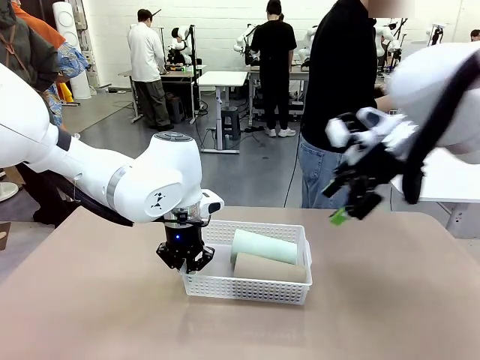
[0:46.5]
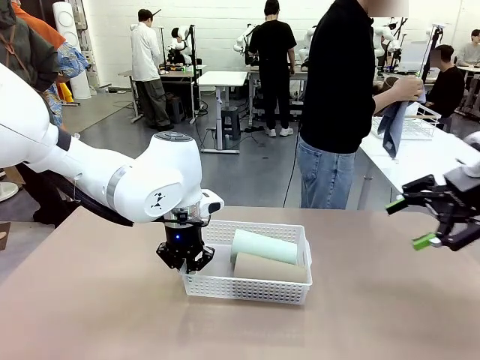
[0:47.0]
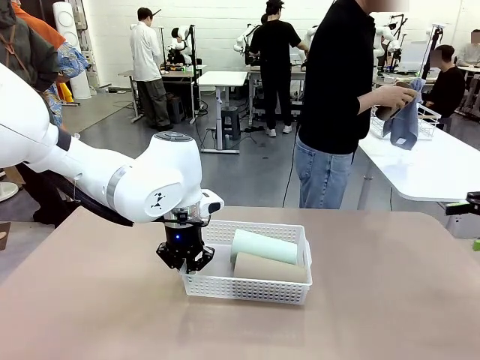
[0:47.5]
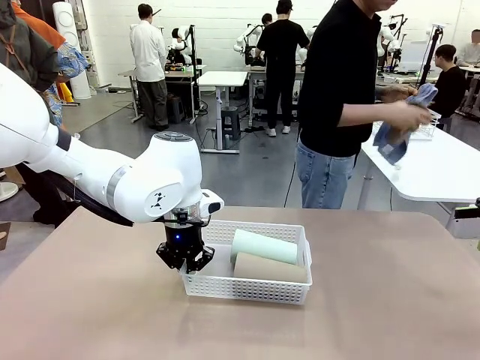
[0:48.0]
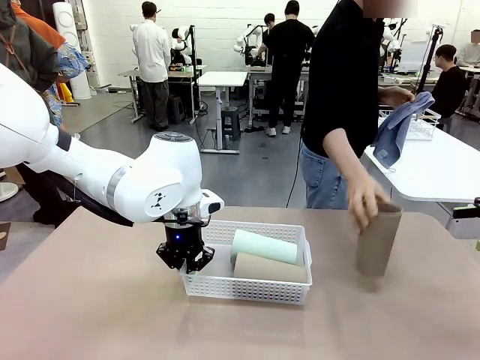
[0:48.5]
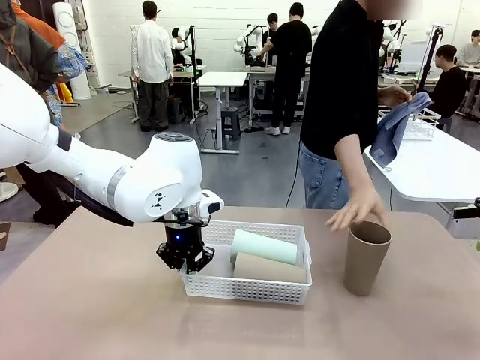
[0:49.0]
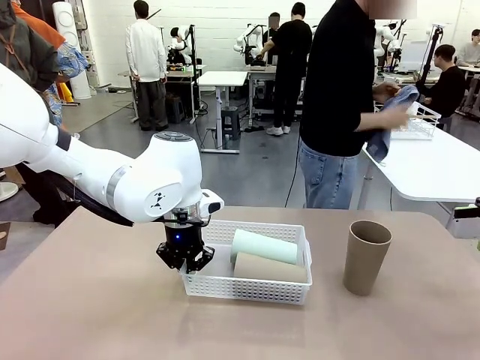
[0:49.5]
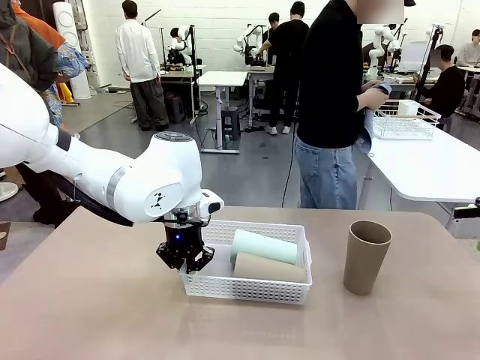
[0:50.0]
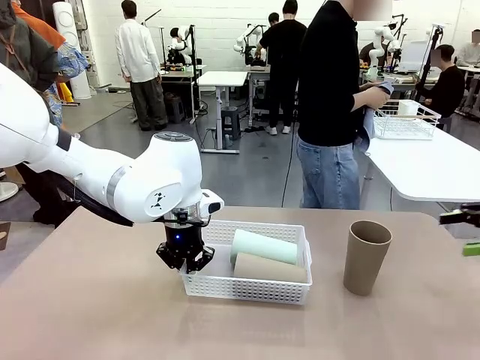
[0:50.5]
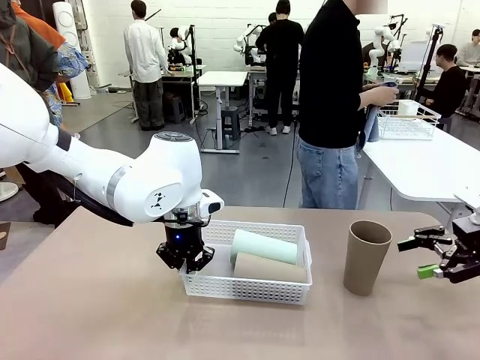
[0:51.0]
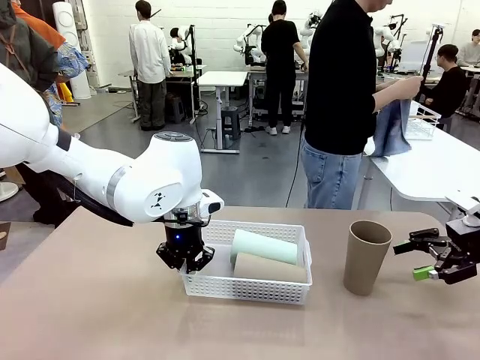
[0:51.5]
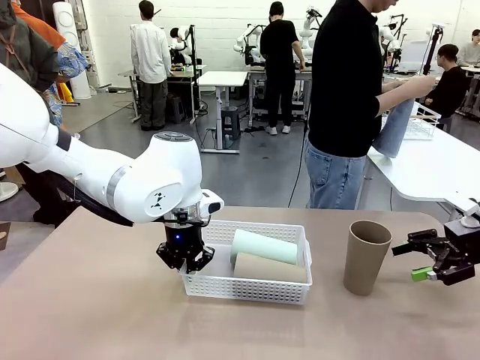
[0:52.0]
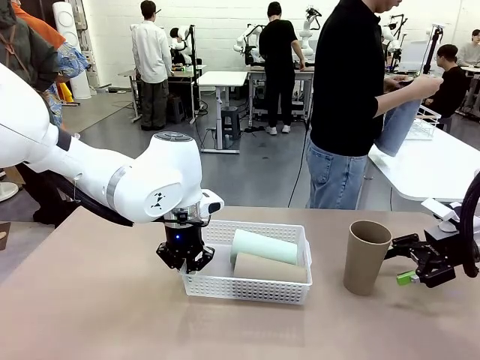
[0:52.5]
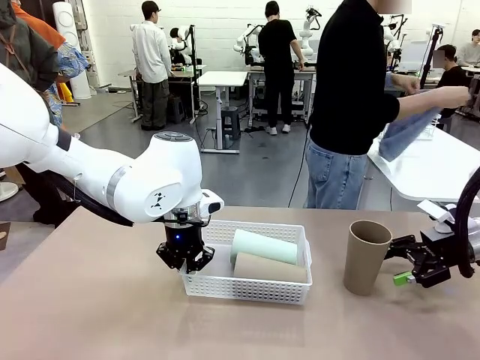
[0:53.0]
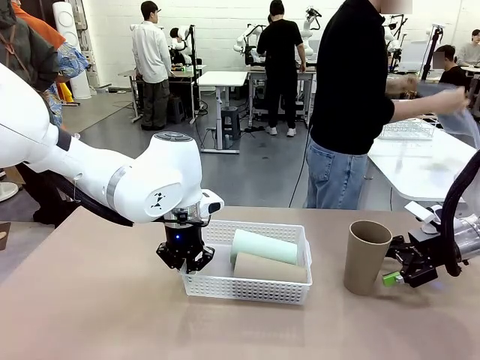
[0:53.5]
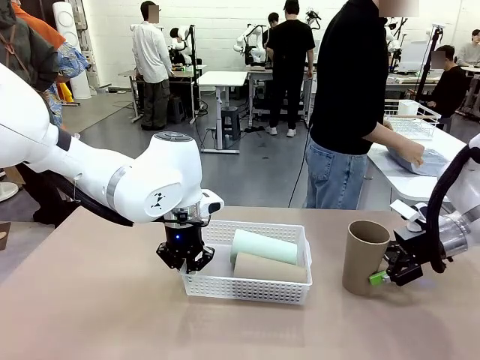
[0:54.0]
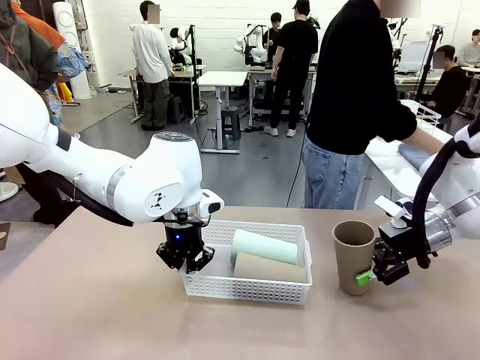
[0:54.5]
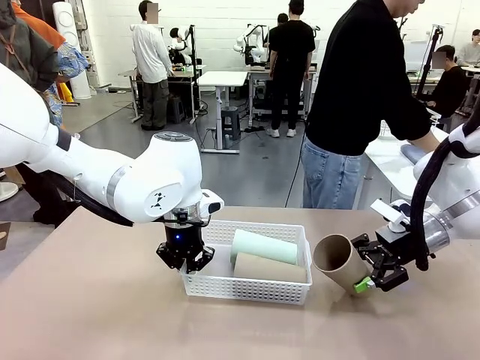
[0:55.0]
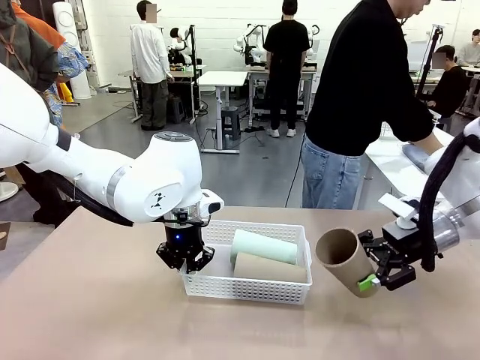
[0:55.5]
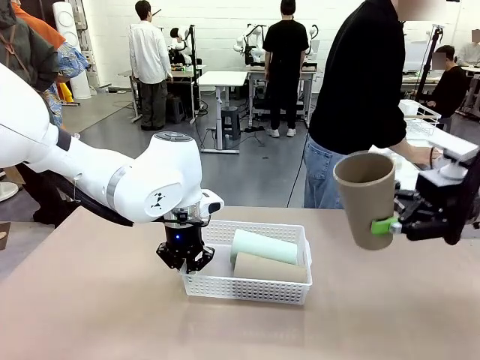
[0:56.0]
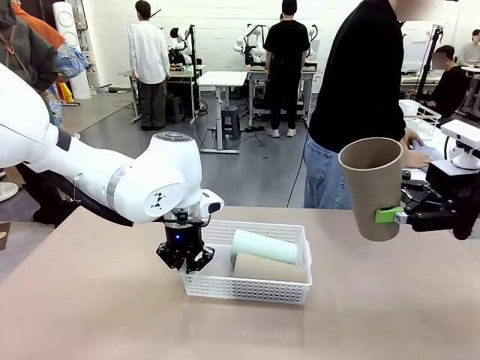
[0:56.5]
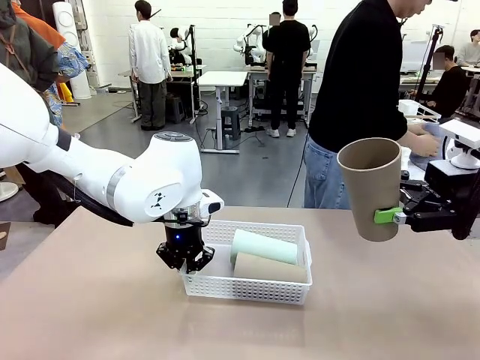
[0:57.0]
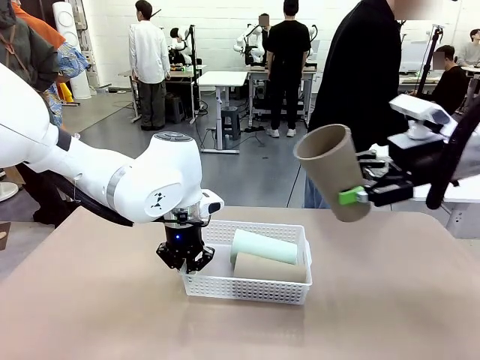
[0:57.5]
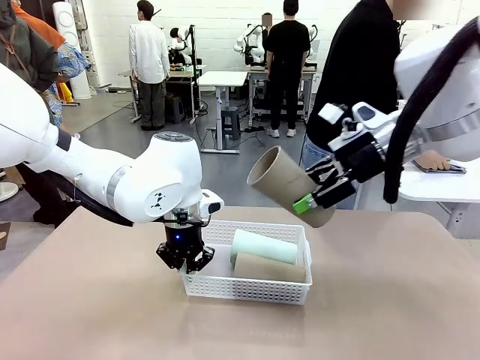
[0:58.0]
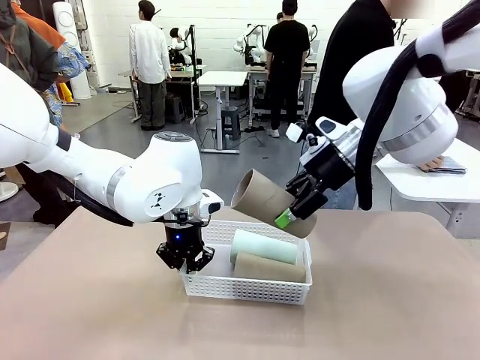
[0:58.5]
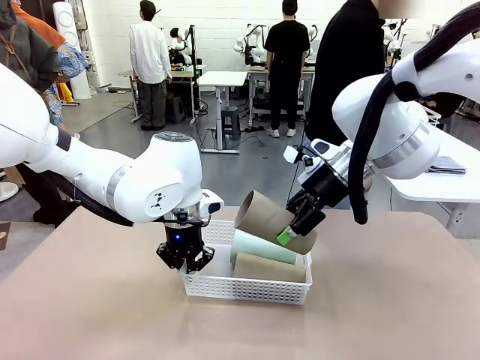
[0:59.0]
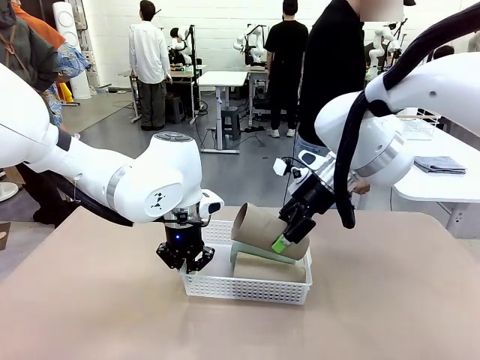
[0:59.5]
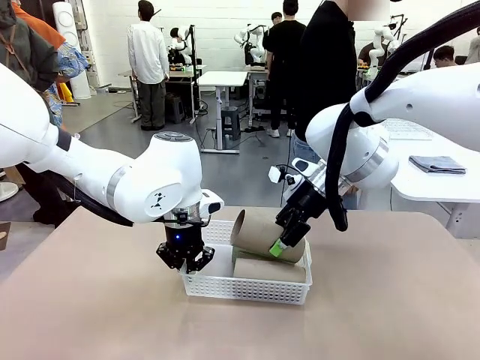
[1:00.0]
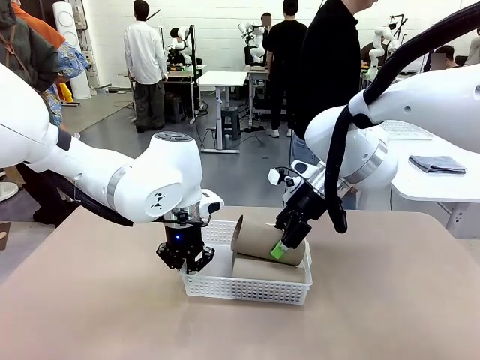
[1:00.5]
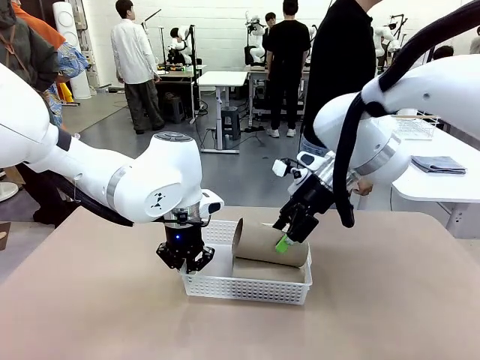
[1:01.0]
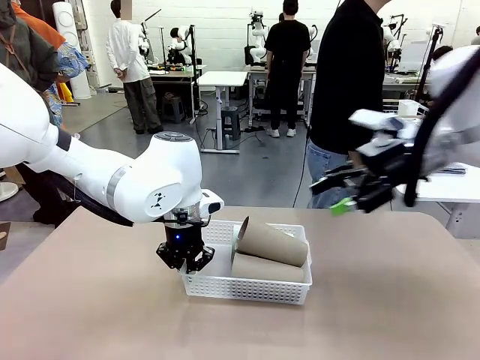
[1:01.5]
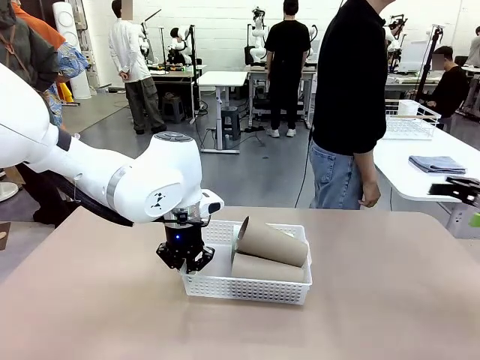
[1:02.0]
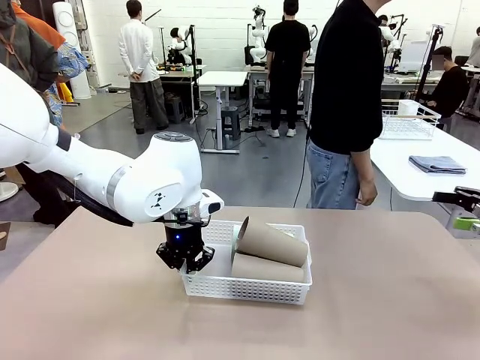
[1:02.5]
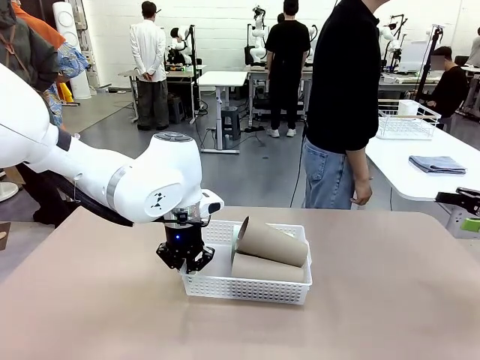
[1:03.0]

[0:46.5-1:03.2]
Task: Clean and organize the cups into the basket.
Robot: Pick up the Reusable plastic cup from the right side of the table and stack it inside the Organizing basket in the center of the table.

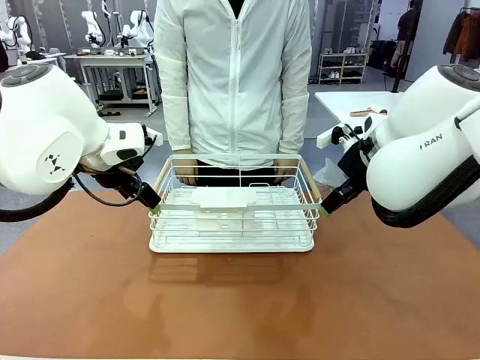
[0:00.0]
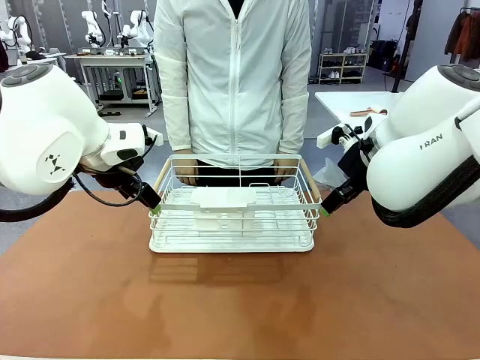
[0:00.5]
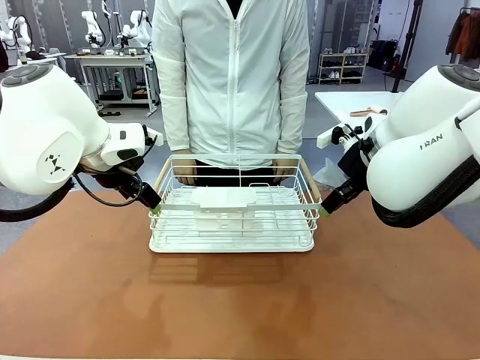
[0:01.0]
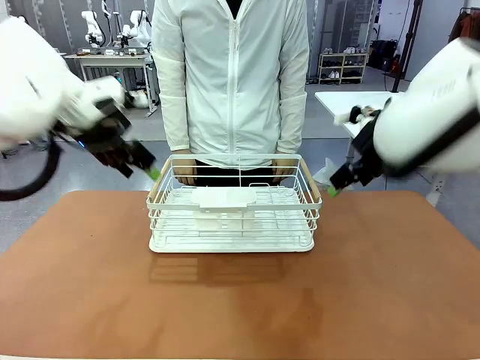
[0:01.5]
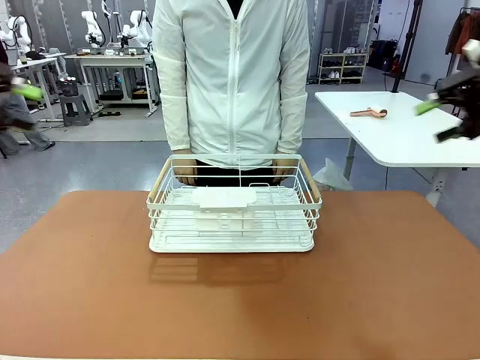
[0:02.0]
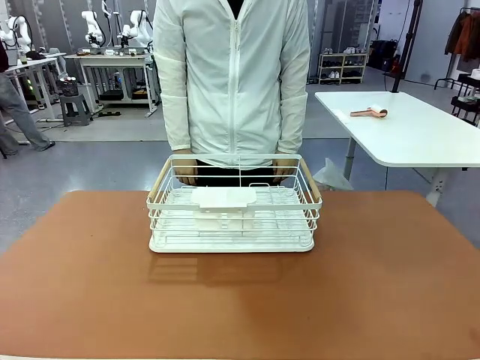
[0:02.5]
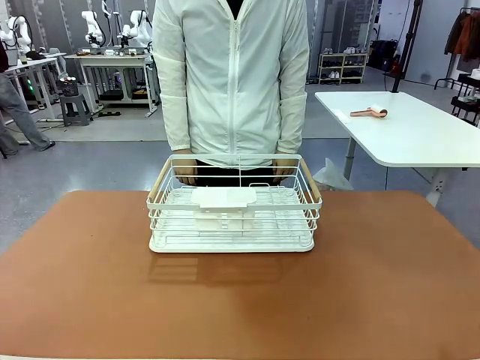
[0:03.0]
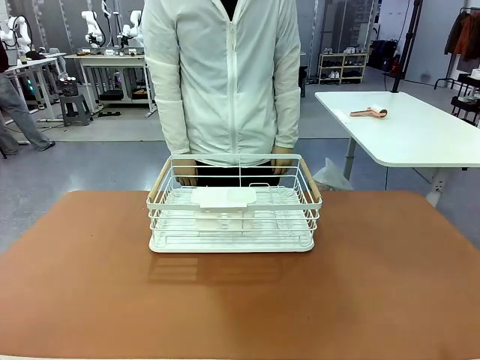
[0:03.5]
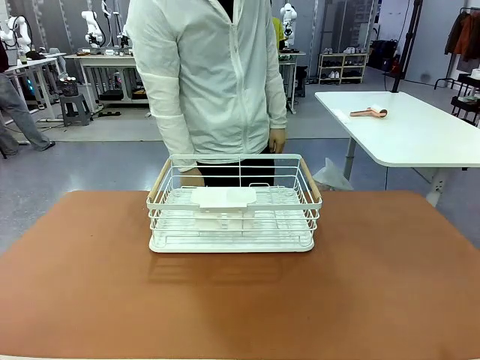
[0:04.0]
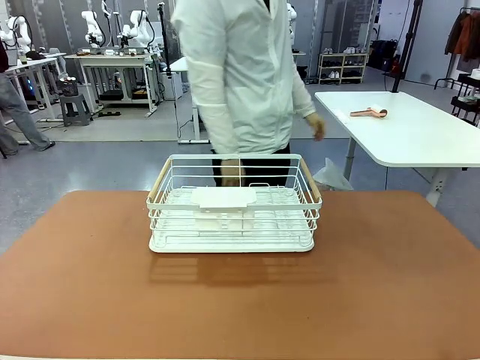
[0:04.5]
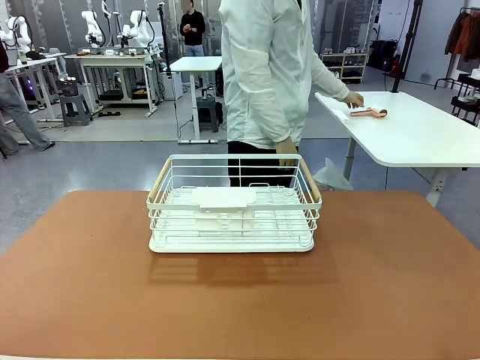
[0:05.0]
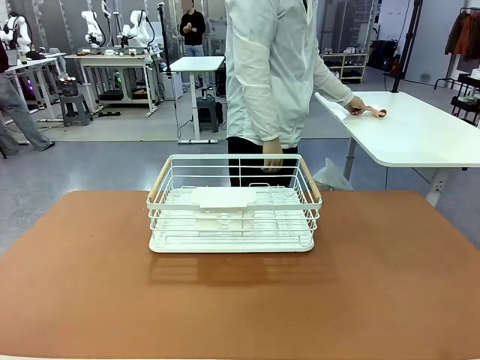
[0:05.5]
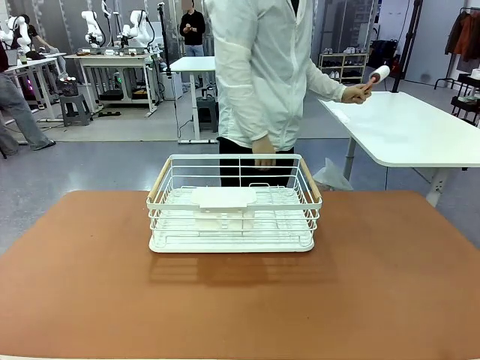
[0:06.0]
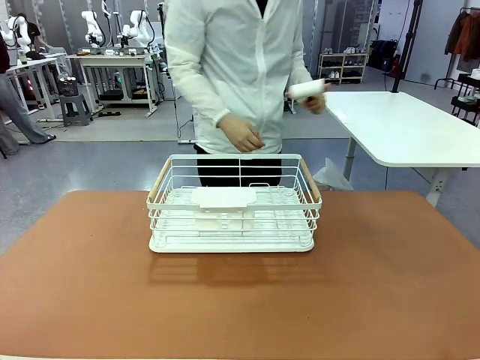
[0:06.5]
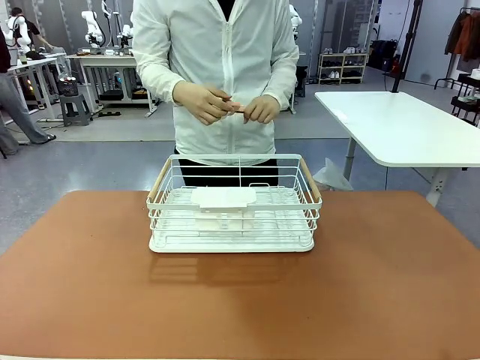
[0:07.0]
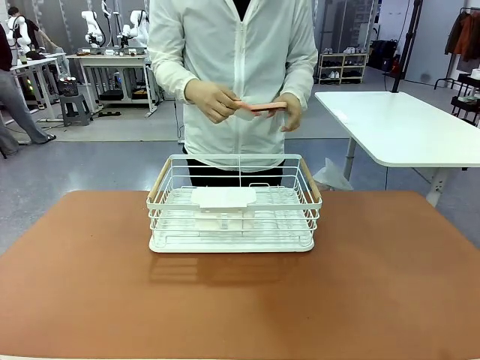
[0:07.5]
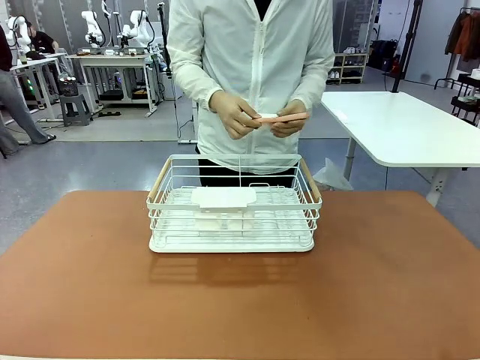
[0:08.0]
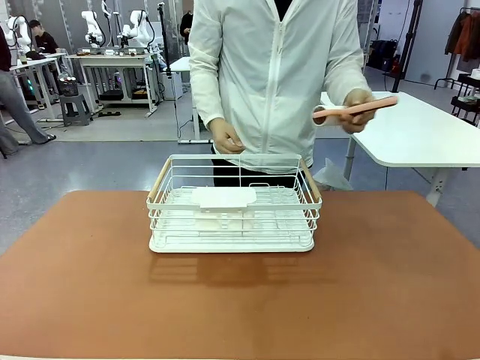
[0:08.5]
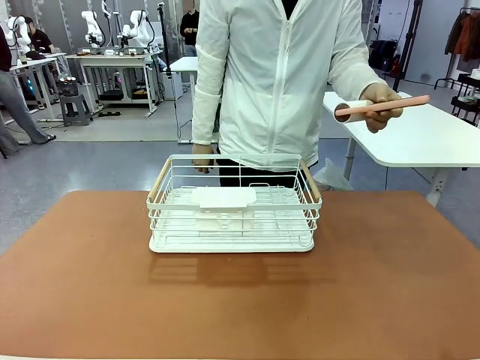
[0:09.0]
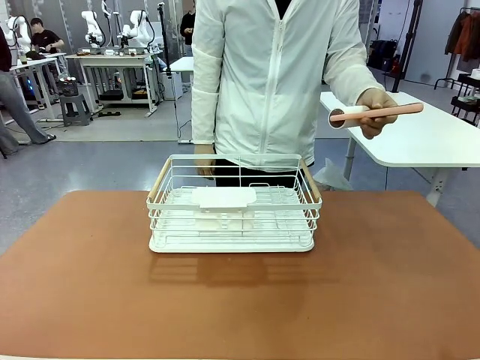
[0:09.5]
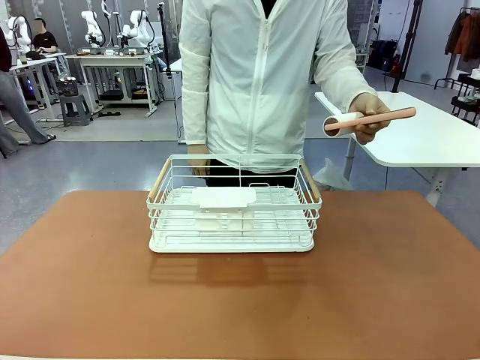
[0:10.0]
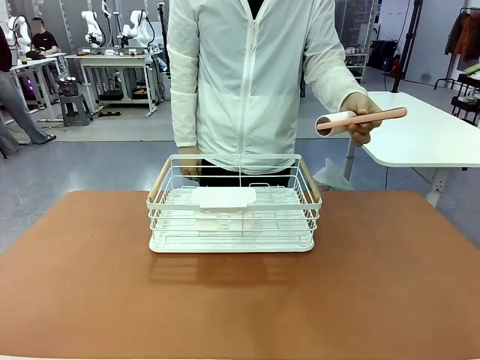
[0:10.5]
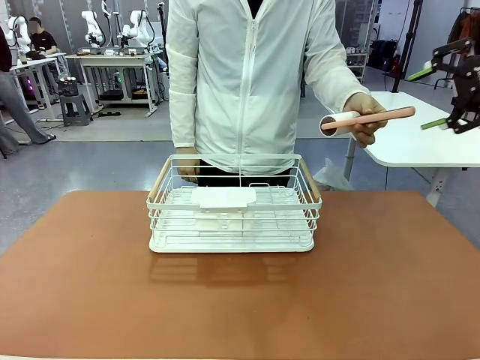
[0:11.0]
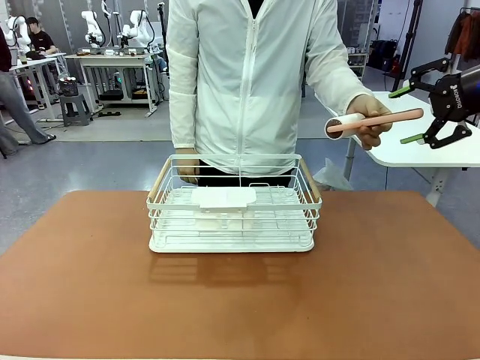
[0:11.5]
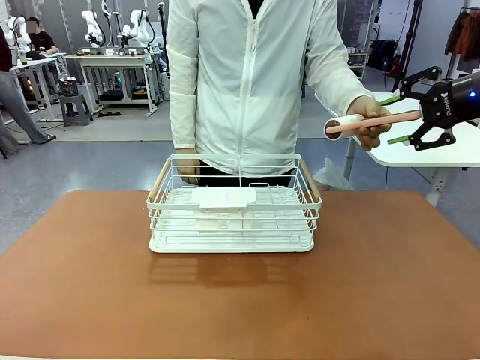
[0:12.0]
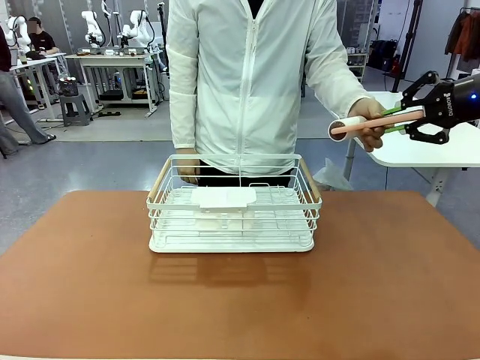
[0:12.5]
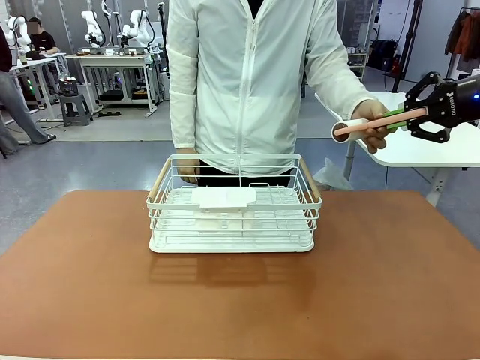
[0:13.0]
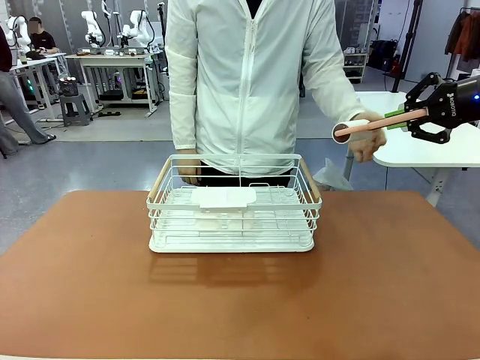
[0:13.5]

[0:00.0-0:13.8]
Task: Clean the table.
Robot: Pick up the Lint Roller when the human hands it over.
Person: Hand the Lint Roller to the robot so it can easily pick it up. Lift the Dish drying rack.
